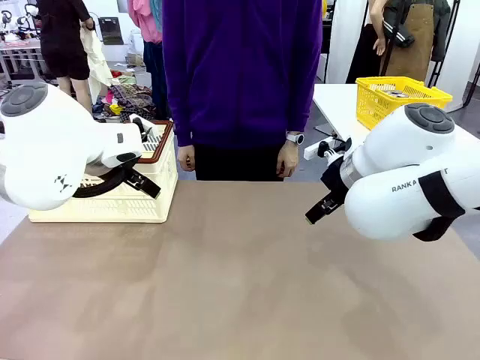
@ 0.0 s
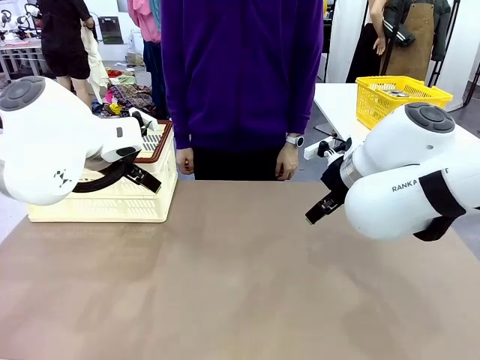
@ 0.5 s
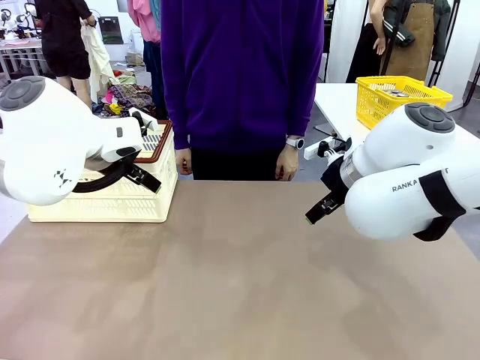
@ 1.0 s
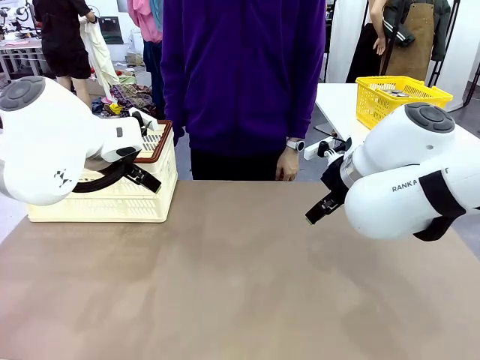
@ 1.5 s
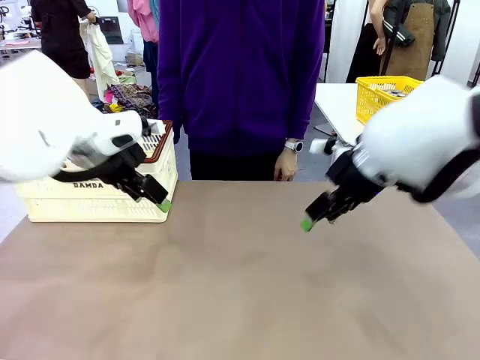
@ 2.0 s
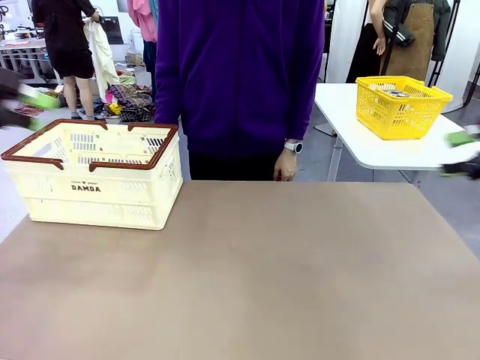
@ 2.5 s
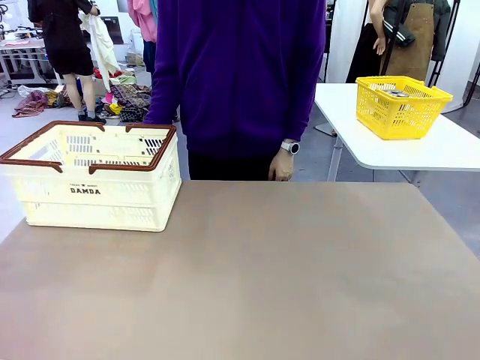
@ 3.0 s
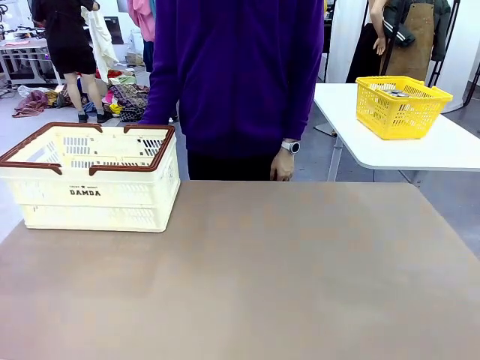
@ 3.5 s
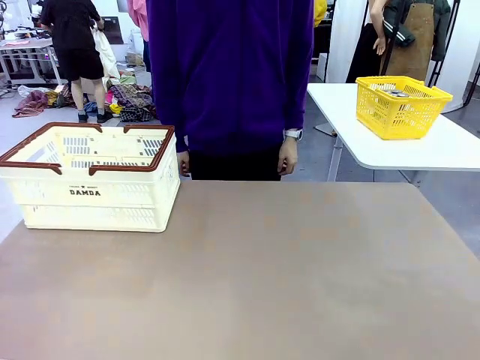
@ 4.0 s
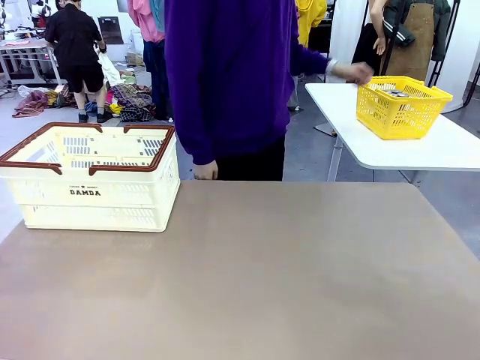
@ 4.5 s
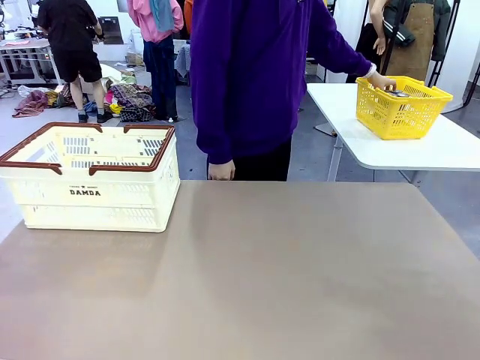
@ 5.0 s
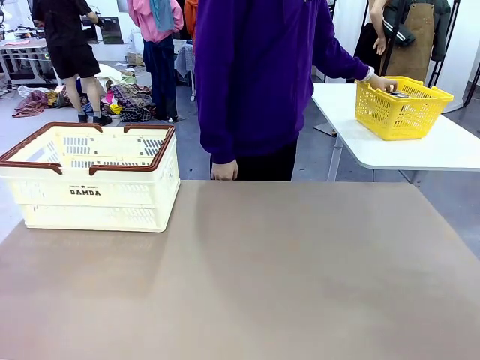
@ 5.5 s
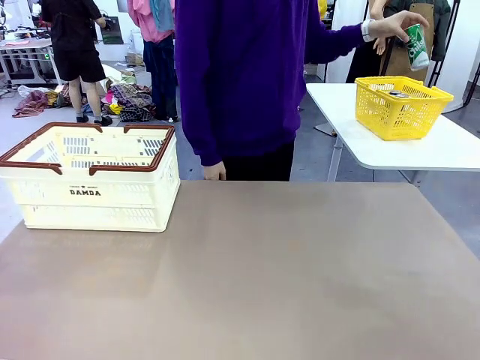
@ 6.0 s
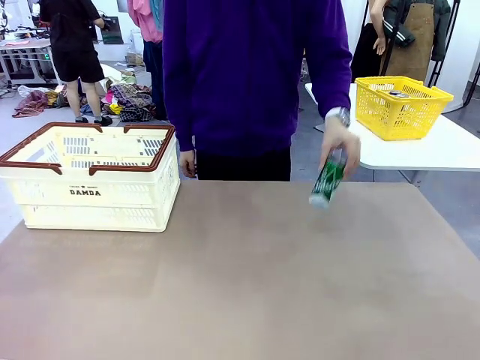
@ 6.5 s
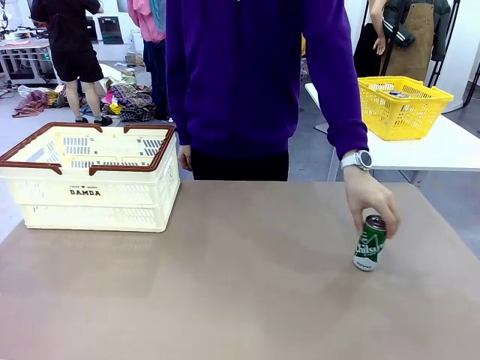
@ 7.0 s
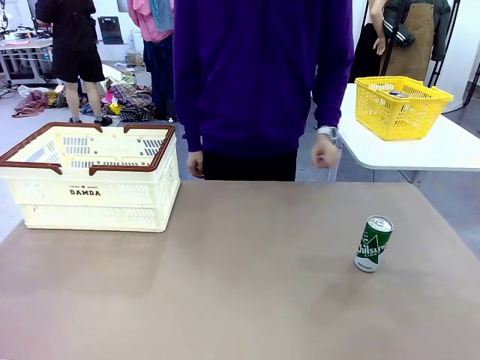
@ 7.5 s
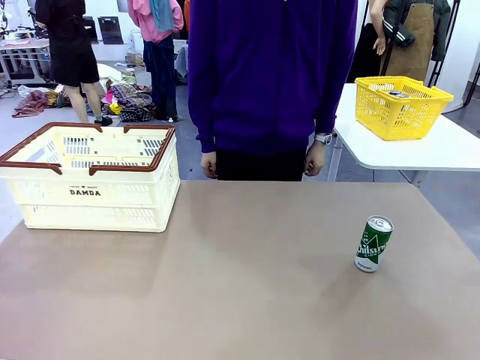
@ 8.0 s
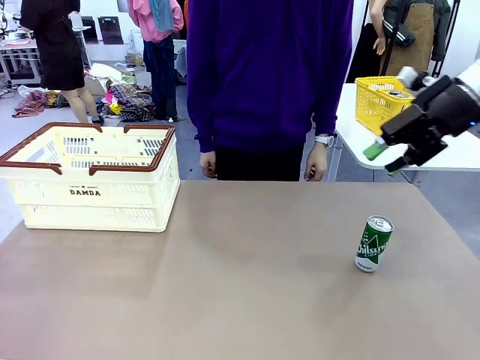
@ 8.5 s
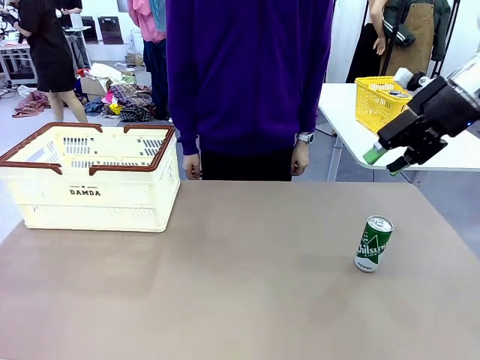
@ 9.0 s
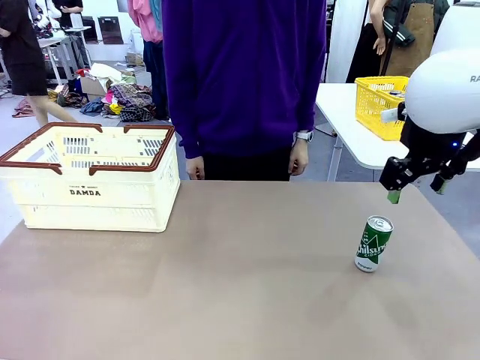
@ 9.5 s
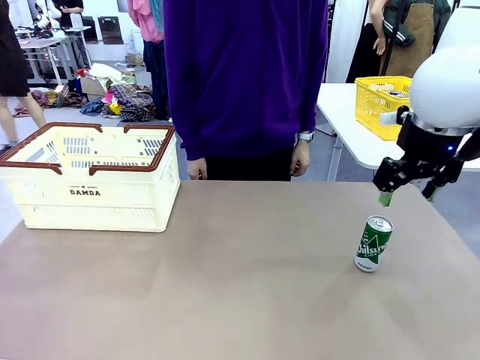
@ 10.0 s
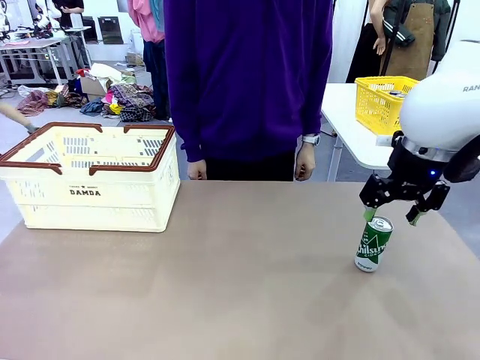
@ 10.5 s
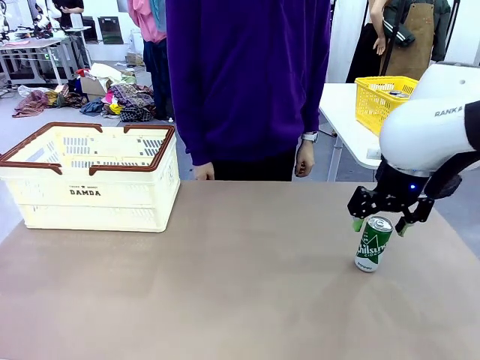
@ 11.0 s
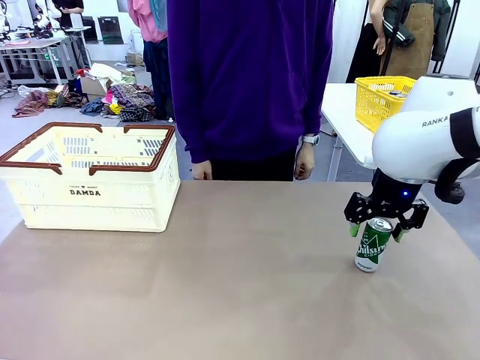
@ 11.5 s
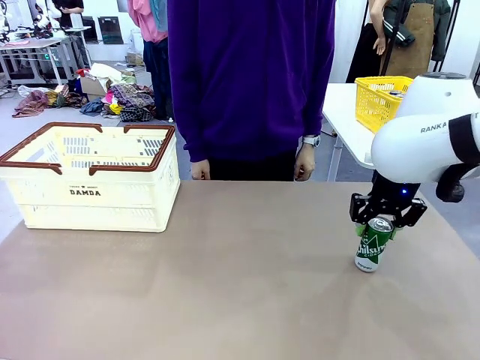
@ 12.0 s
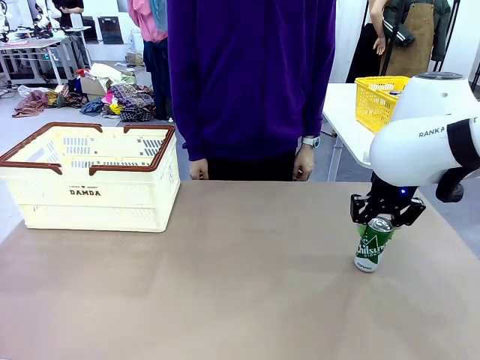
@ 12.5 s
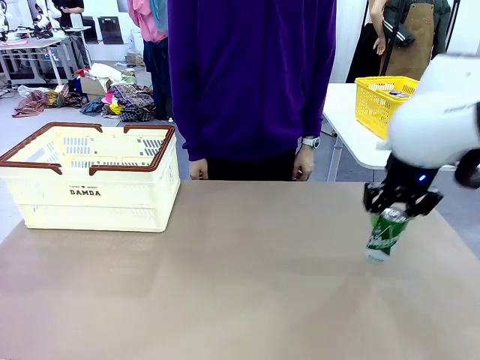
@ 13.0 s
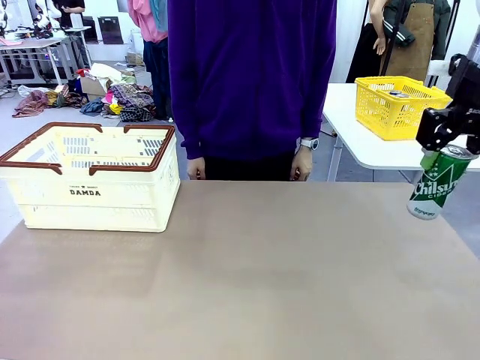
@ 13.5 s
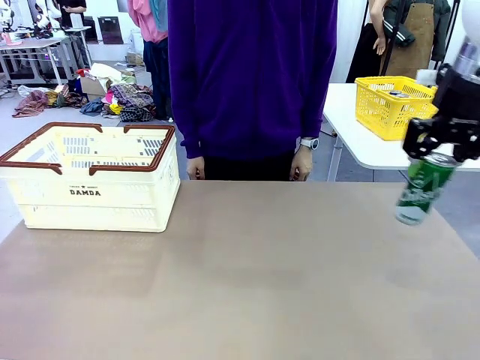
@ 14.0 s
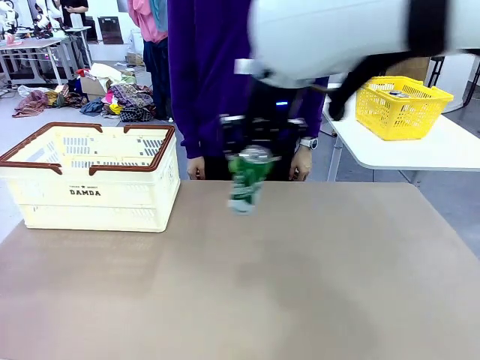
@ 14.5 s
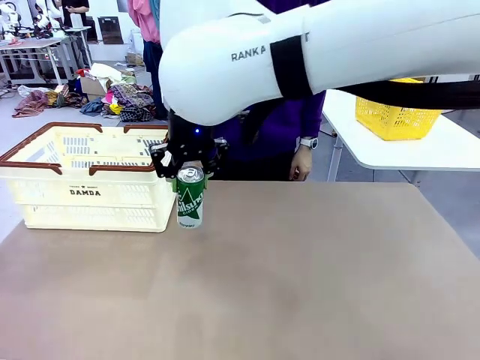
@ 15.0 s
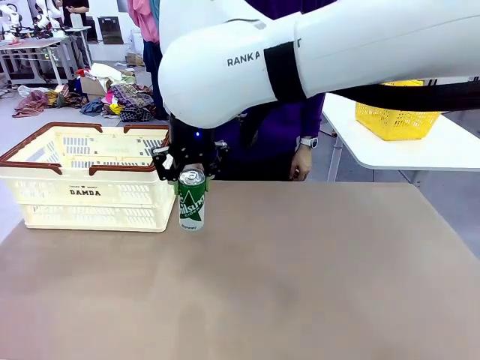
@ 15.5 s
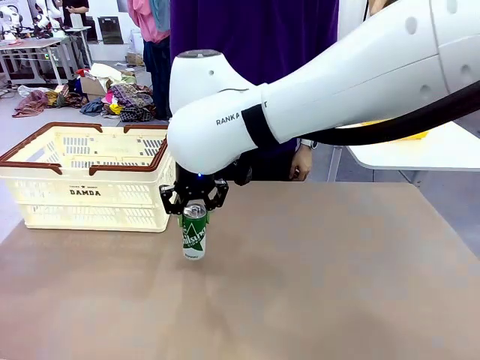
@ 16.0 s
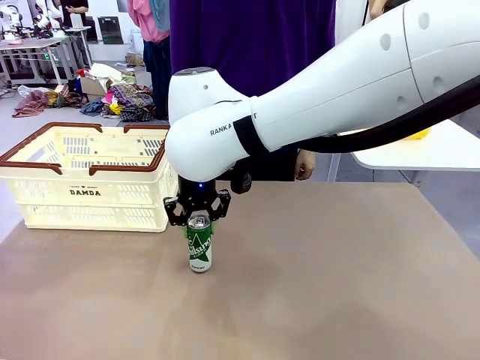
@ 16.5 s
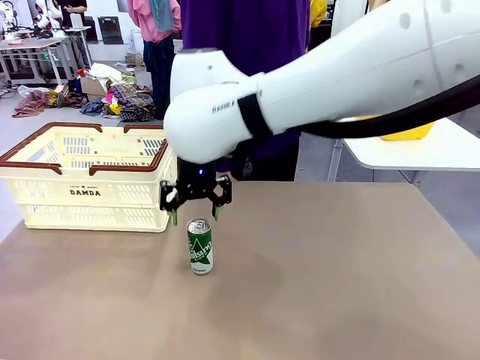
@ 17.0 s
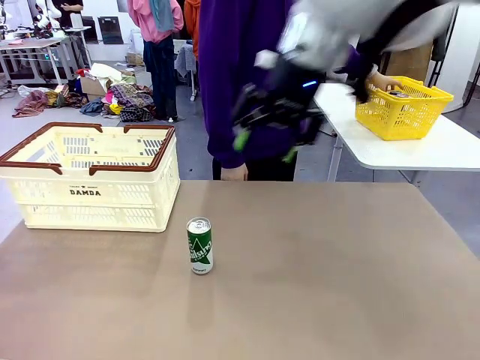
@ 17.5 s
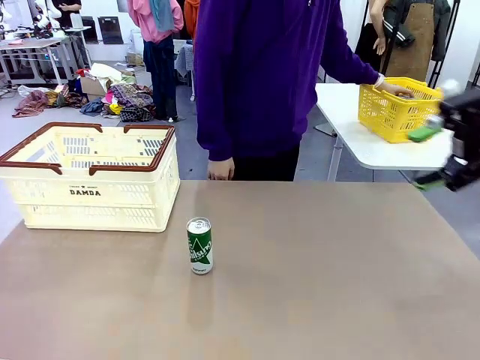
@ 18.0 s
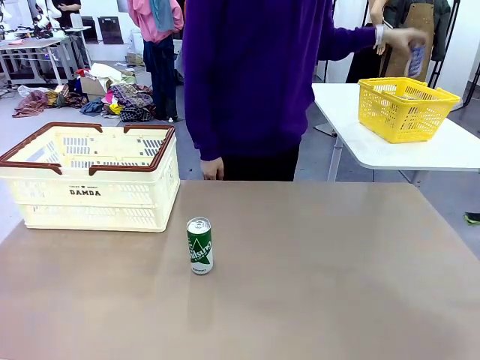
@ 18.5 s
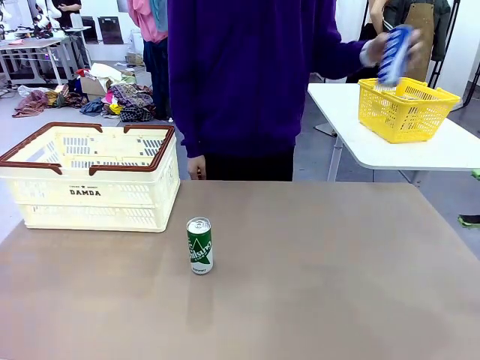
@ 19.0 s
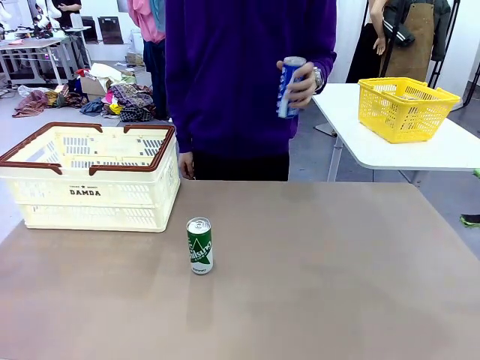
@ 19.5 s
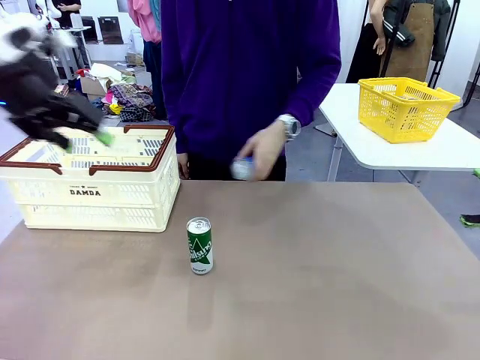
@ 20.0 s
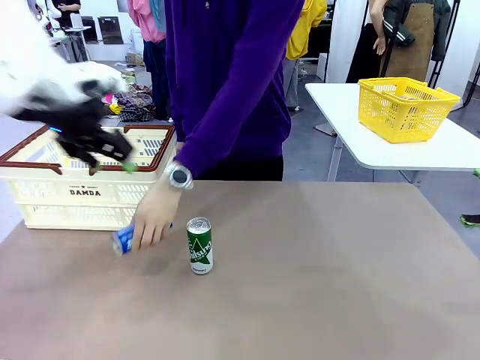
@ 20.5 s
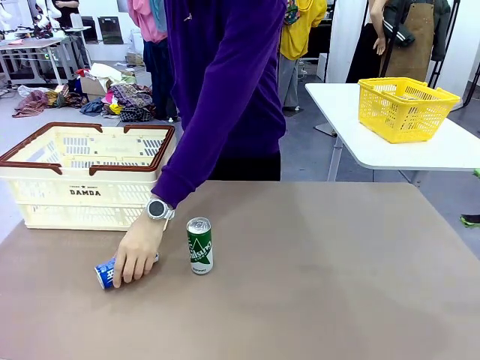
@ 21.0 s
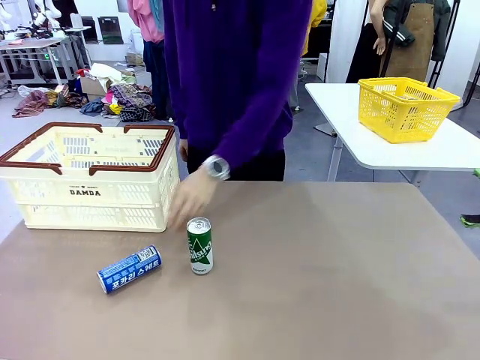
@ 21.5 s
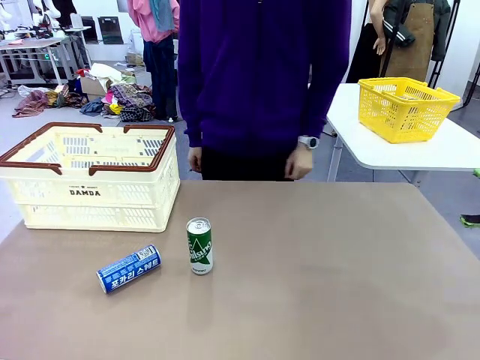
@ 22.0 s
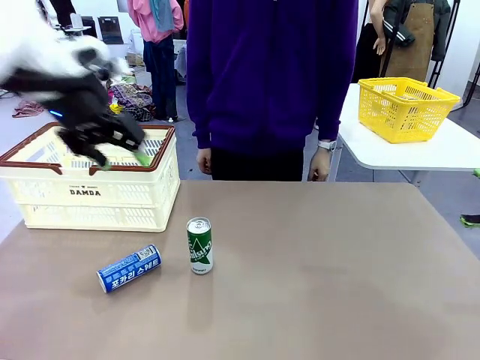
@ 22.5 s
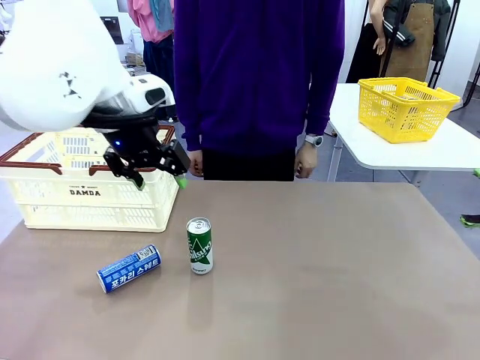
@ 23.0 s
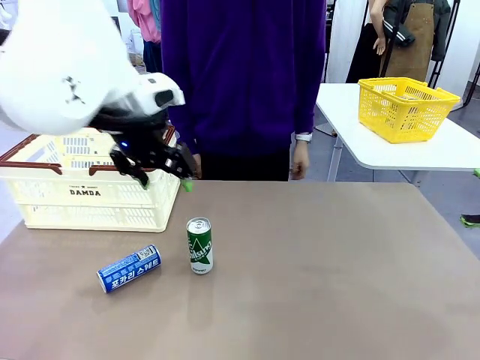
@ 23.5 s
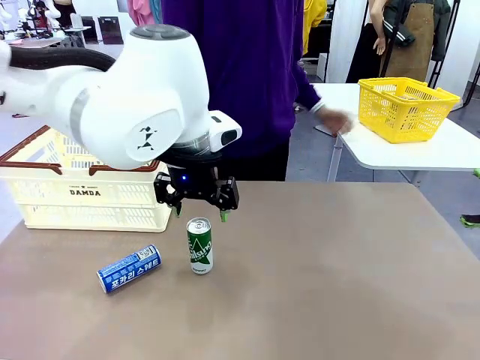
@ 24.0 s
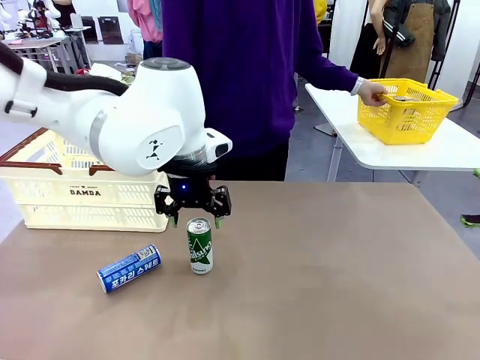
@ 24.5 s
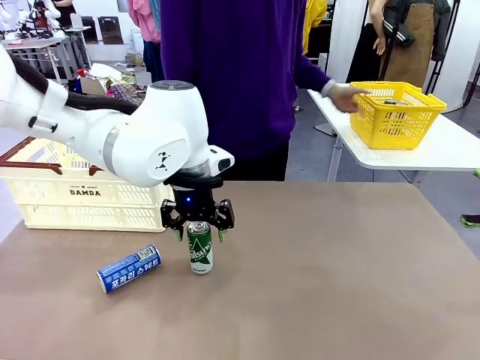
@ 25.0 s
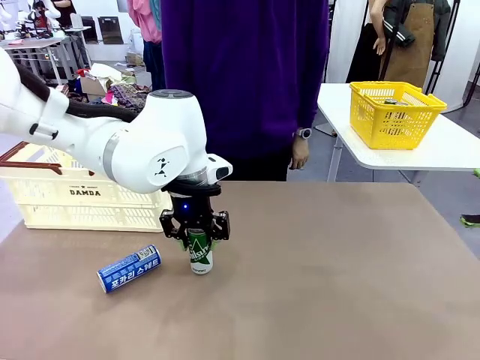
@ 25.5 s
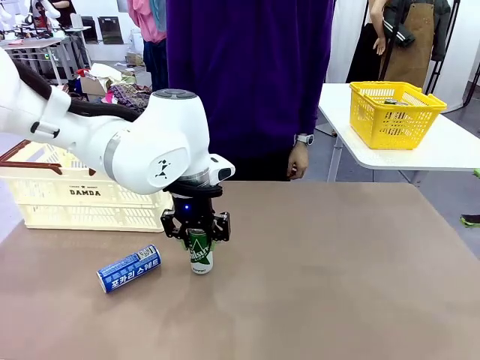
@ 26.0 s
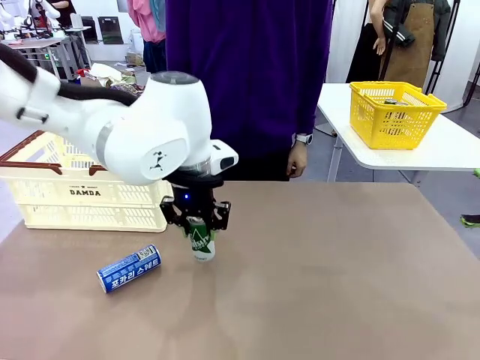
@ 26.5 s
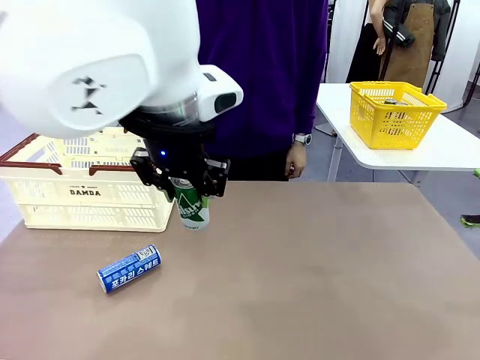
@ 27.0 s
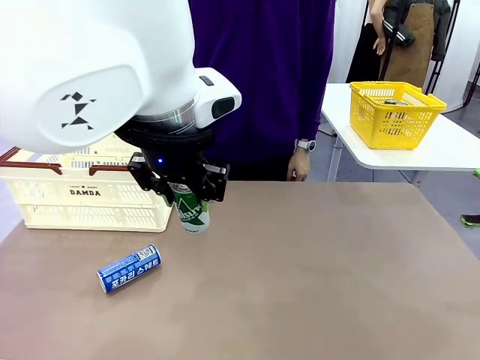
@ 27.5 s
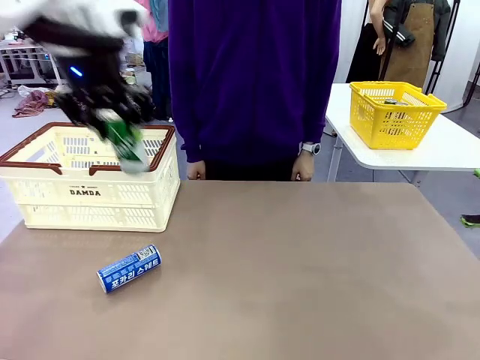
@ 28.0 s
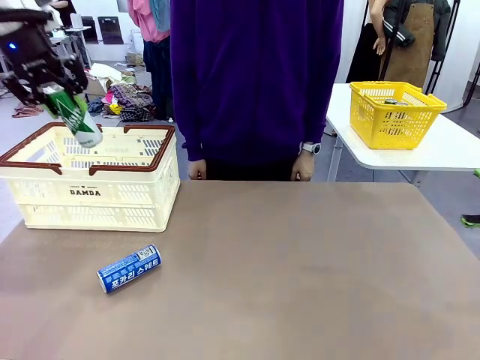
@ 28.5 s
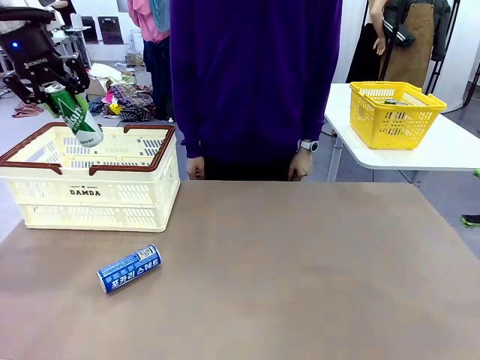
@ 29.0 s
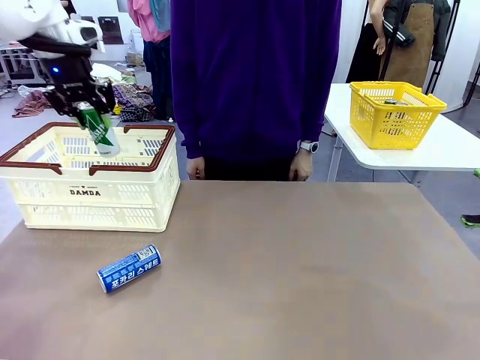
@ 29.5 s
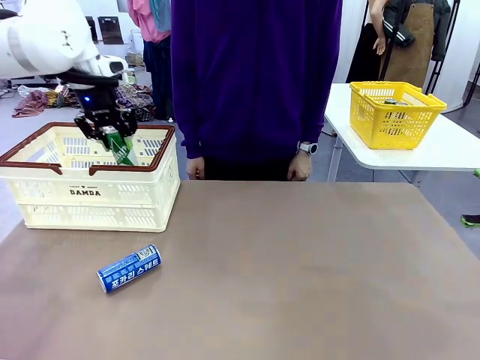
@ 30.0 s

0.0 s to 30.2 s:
Task: Place the drinks into the Shopping basket.
Robot: Pick up one drink and place it into the Shopping basket.
